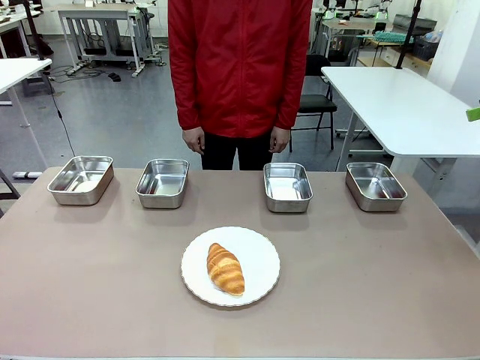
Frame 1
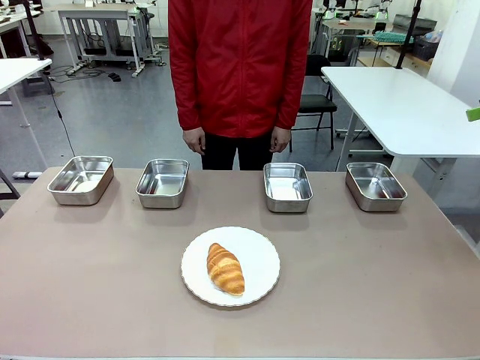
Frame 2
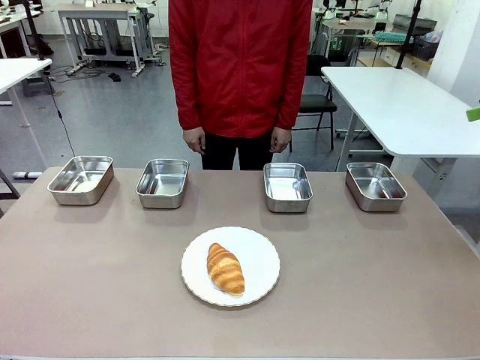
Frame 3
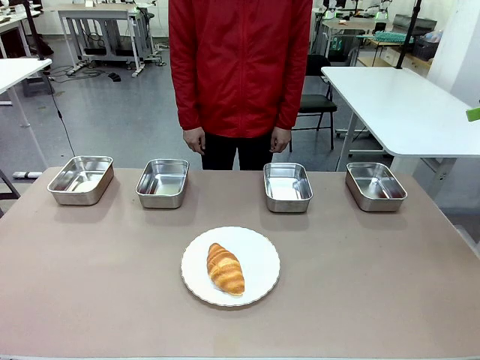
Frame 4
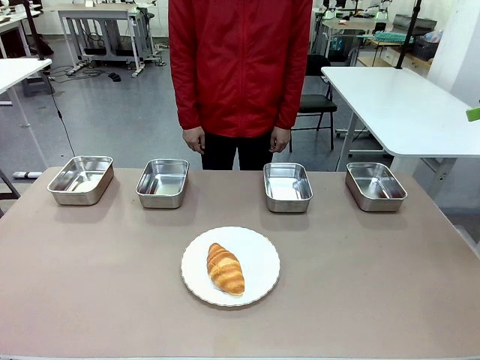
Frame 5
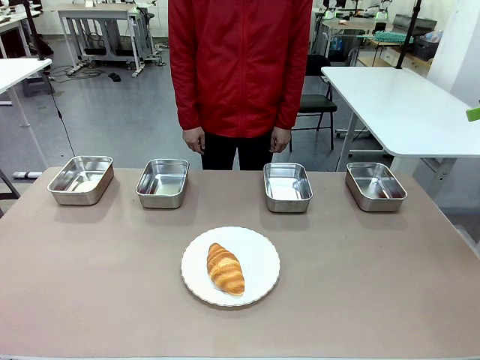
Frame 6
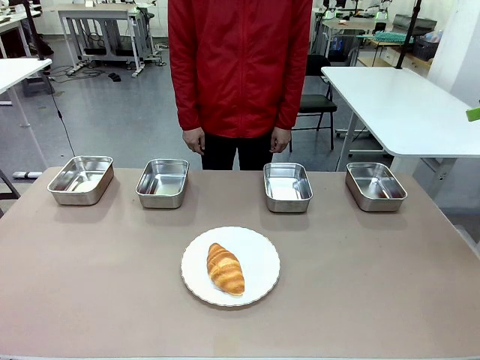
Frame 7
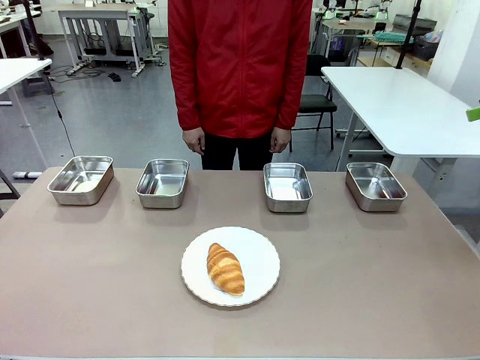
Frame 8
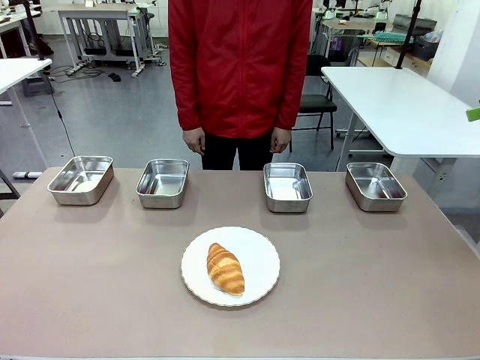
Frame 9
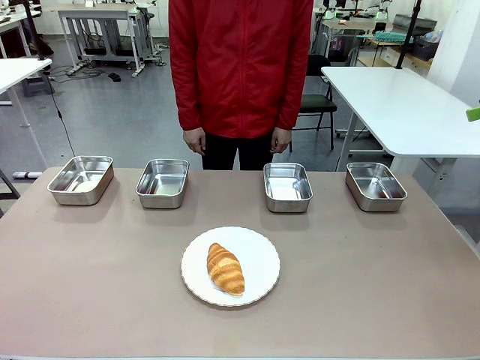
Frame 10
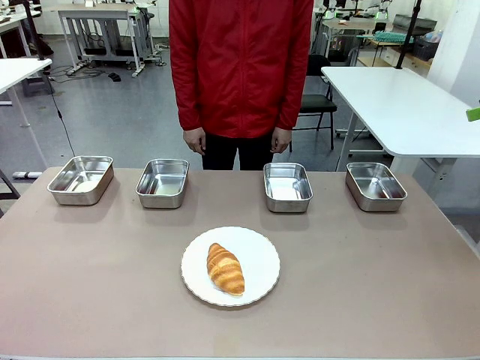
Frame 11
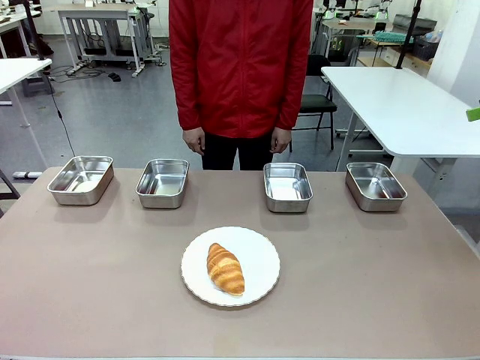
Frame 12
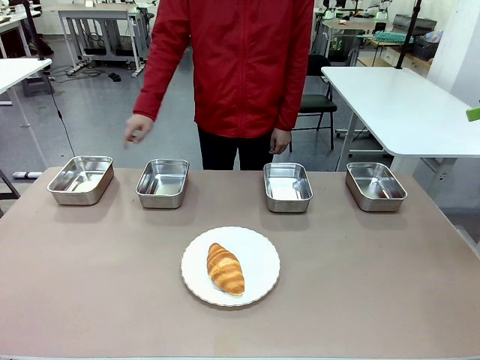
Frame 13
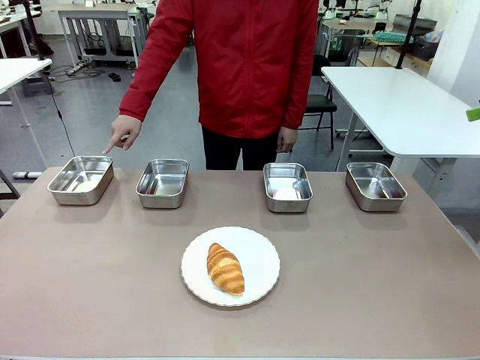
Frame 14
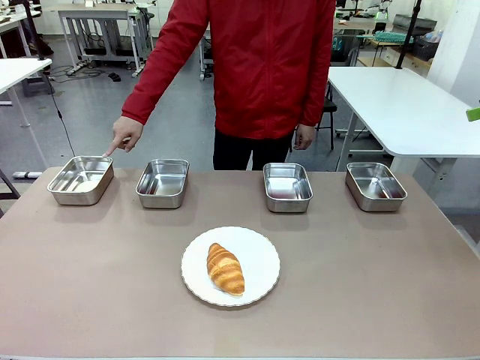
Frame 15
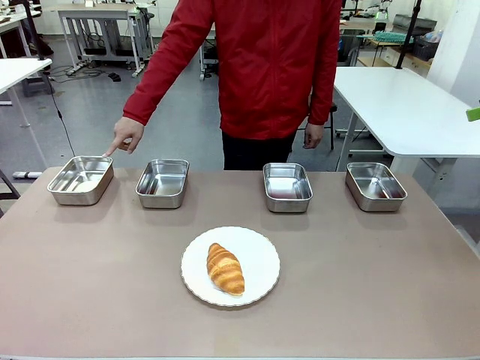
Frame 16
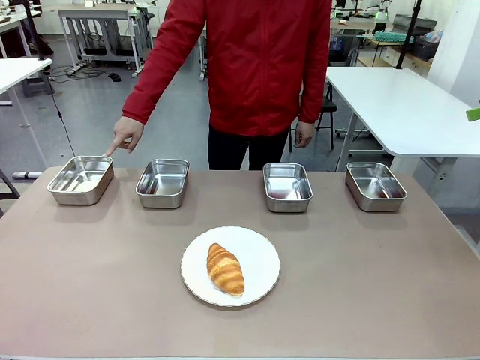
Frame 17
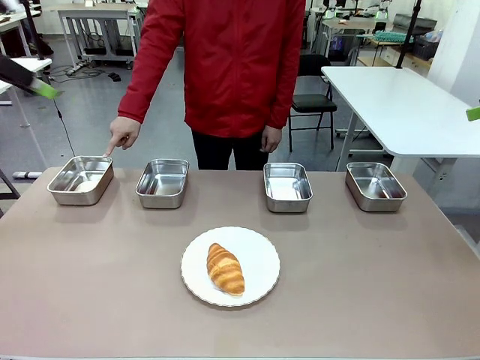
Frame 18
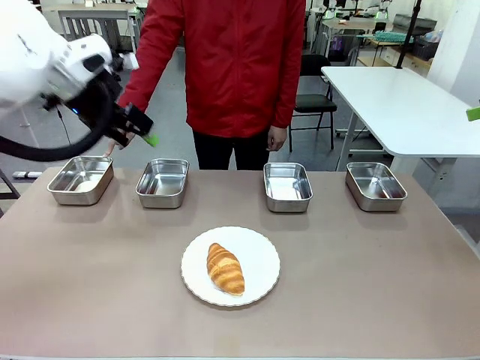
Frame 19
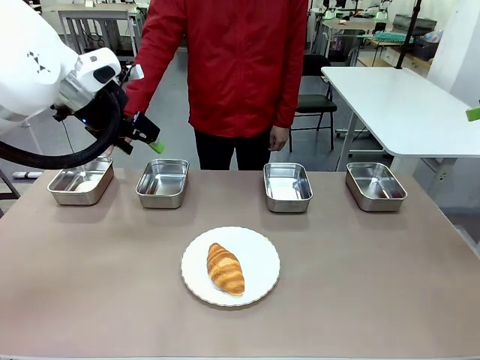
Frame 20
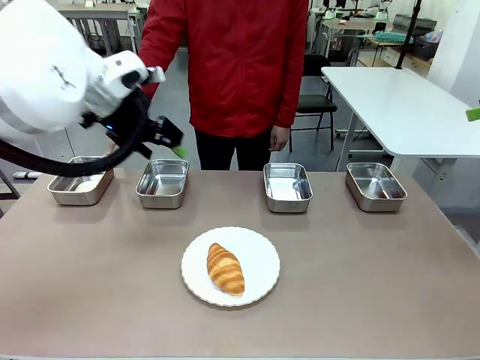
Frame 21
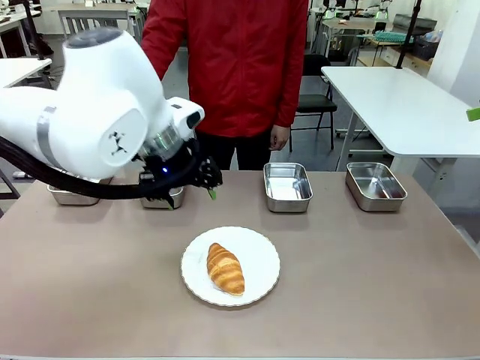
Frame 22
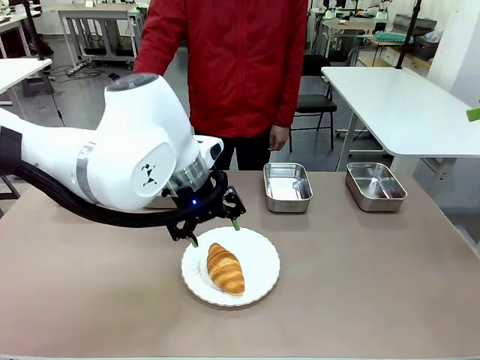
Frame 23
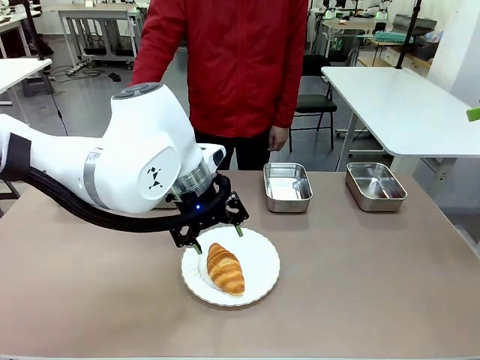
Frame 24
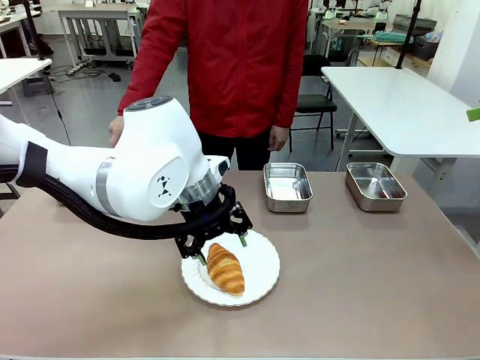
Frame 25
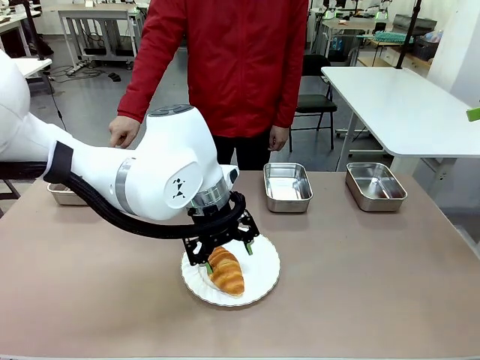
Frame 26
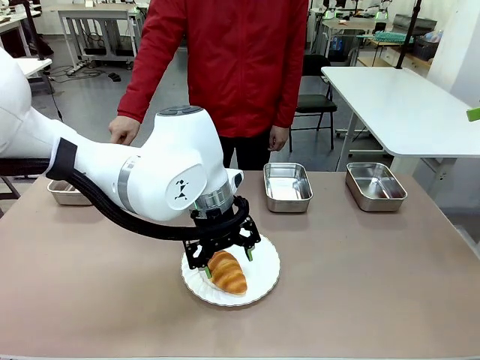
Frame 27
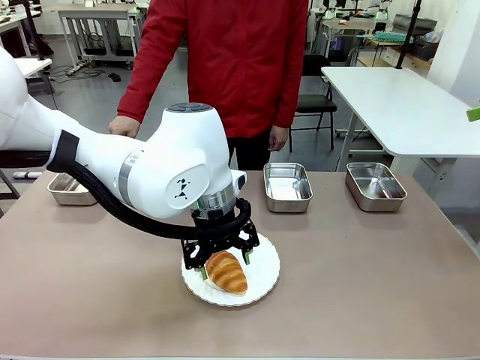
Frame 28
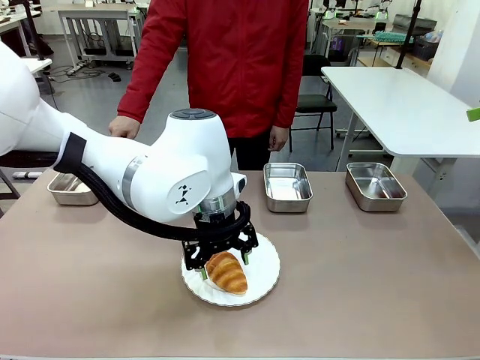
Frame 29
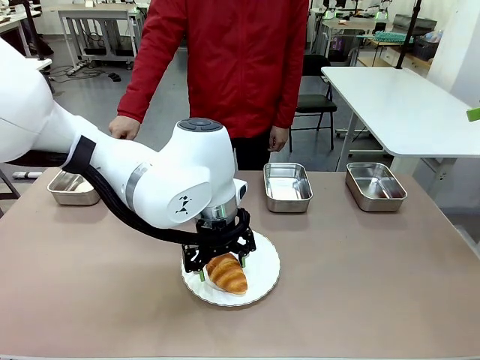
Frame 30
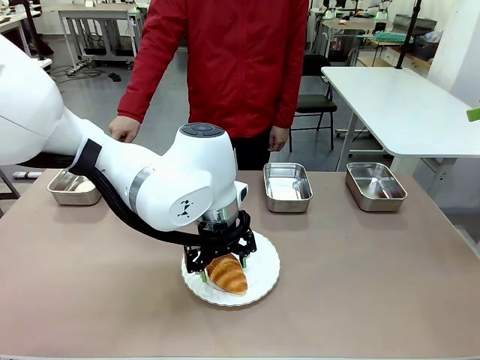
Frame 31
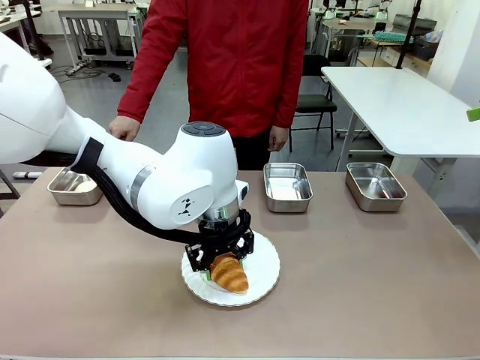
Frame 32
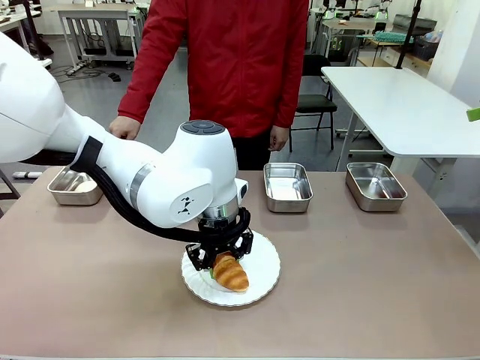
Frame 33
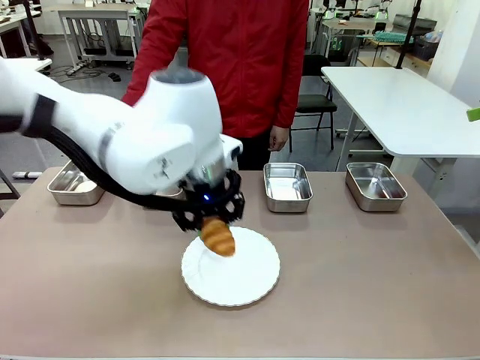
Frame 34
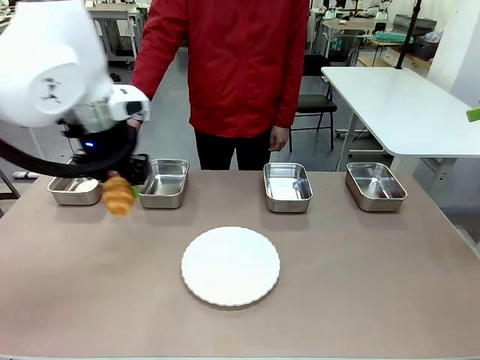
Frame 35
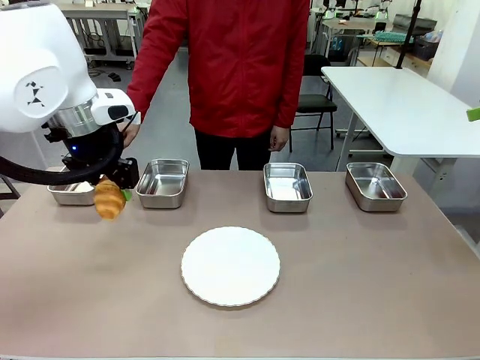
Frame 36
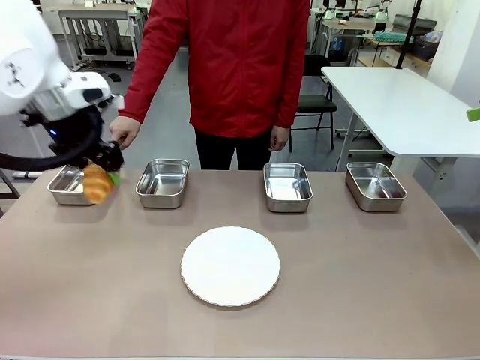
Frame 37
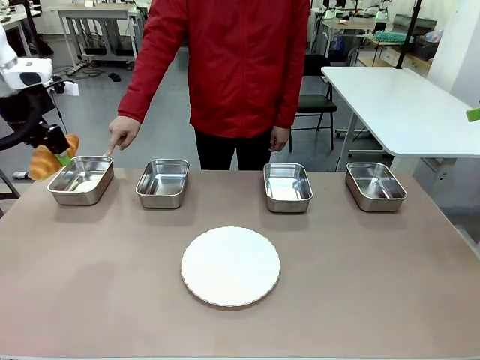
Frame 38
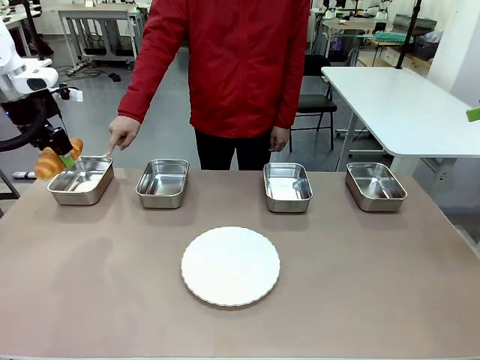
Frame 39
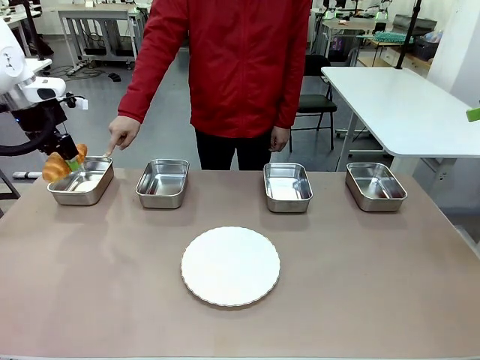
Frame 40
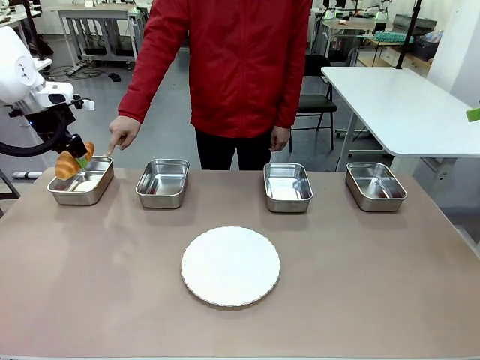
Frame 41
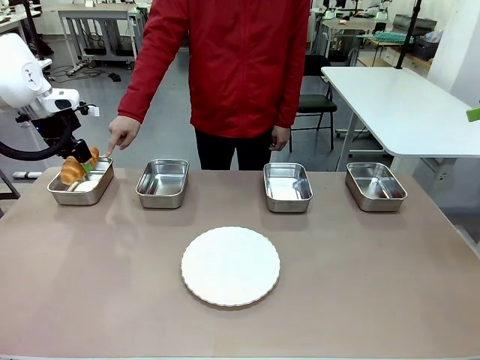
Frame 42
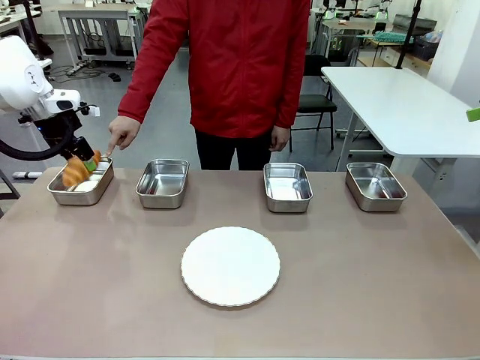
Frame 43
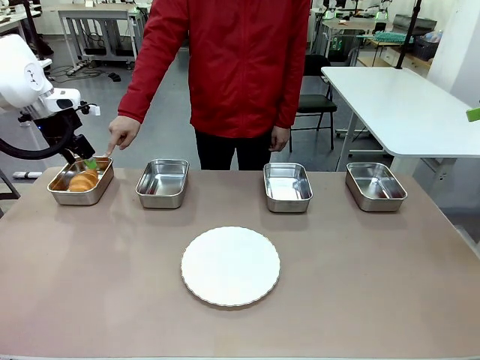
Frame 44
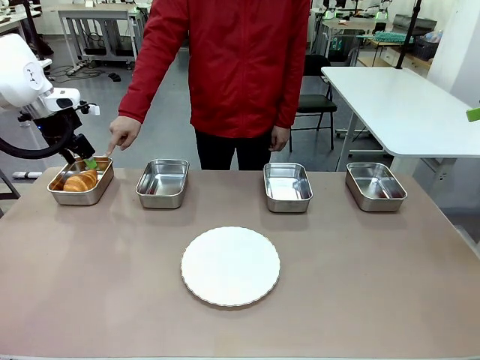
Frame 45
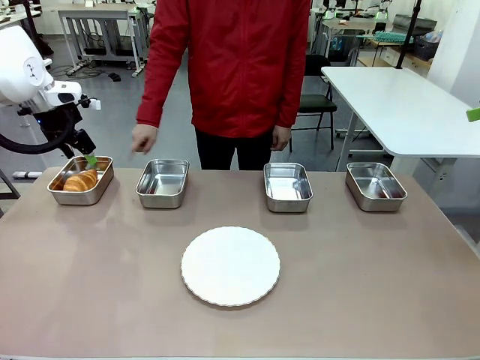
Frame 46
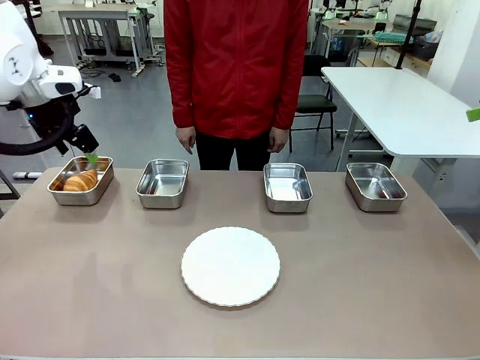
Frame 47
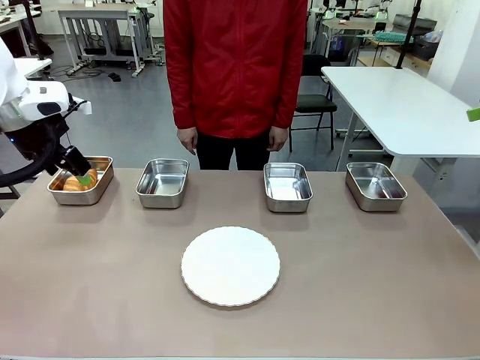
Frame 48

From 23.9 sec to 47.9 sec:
Task: Place the bread in the container.
Robot: Place the Butter Roll into the Airtight Container indicated by the human.
Person: A person randomly selects and points to an Airtight Container.
